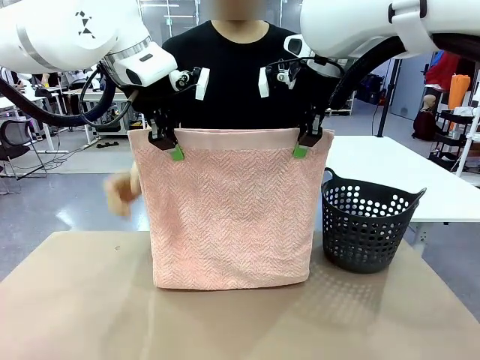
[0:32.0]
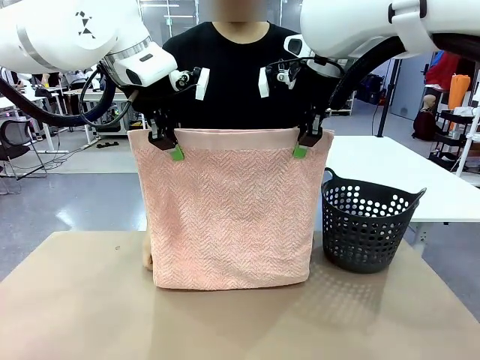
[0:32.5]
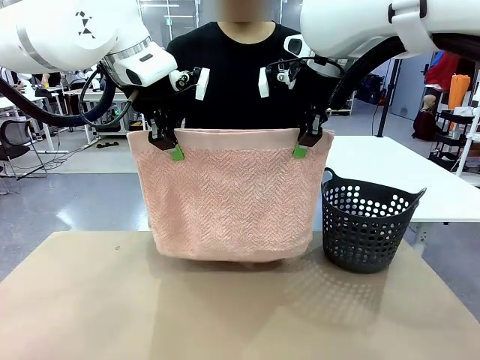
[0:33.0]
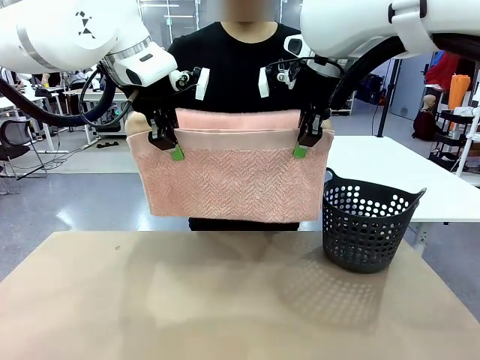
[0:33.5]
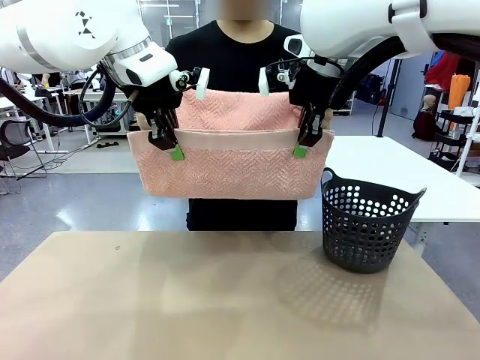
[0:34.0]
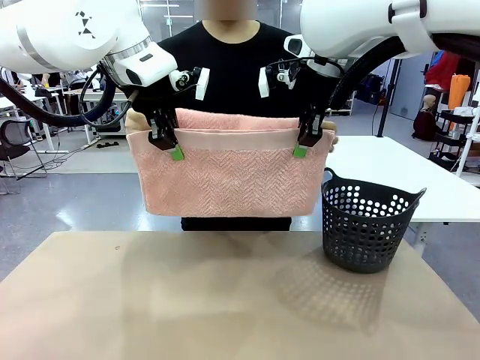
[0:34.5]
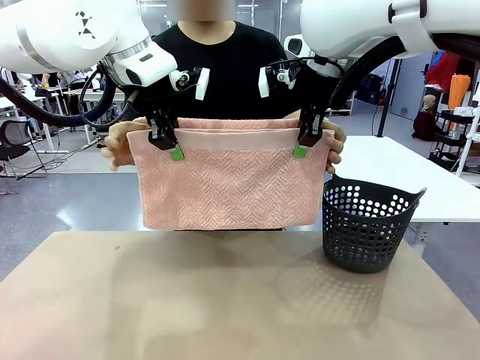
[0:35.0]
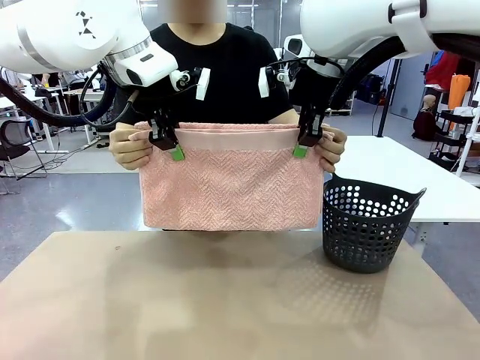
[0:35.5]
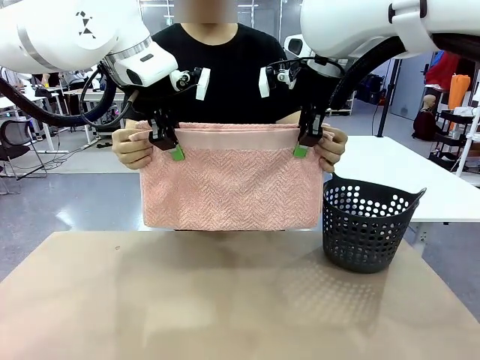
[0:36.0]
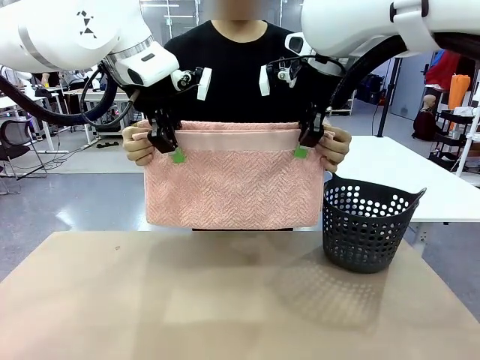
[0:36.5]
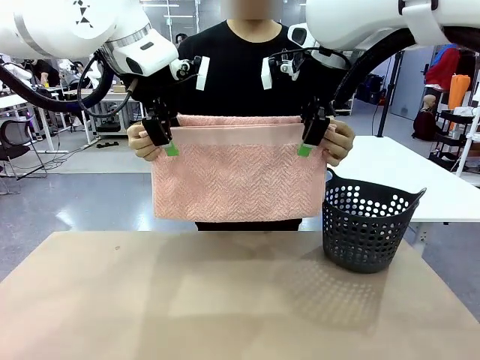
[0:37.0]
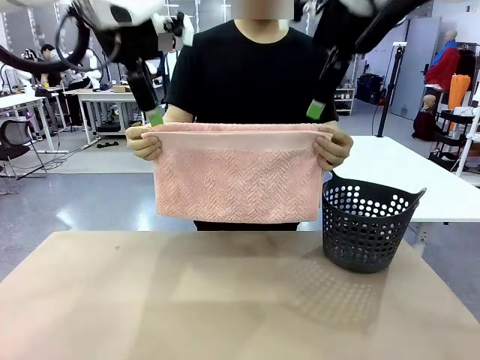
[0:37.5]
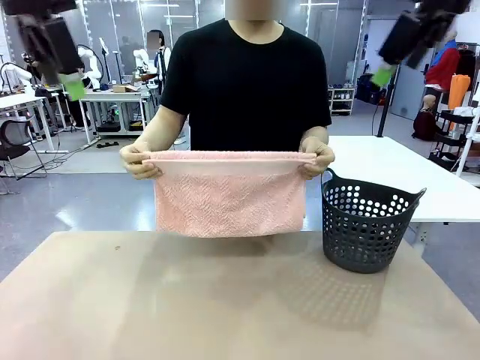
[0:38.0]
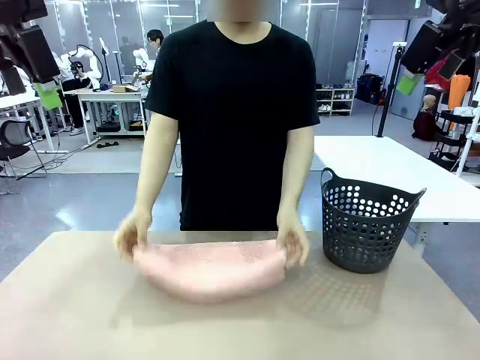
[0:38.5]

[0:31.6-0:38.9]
Task: Fold the towel.
Robot: Release the end of the 100 cm Hotel Towel you were holding.
Person: Place the towel at the center of the robot table and fold it in half.

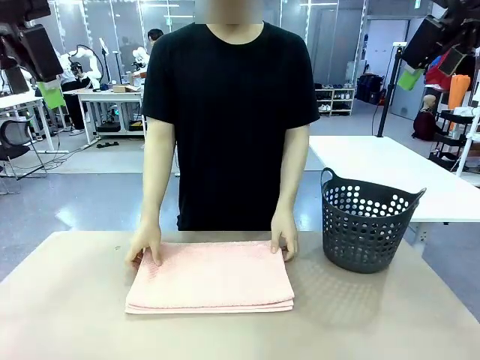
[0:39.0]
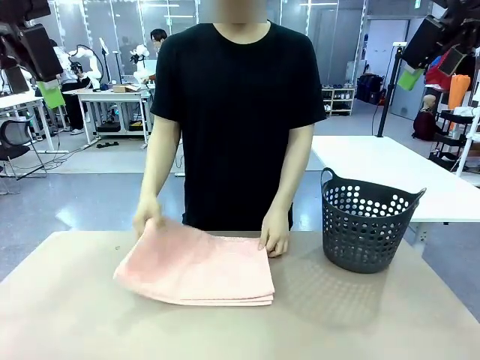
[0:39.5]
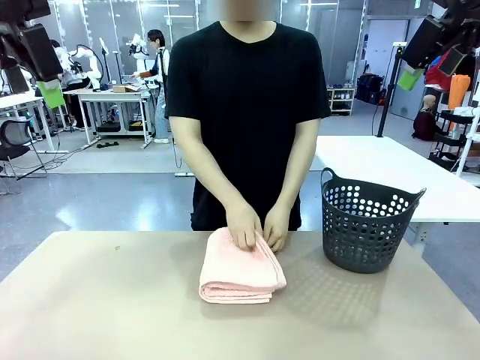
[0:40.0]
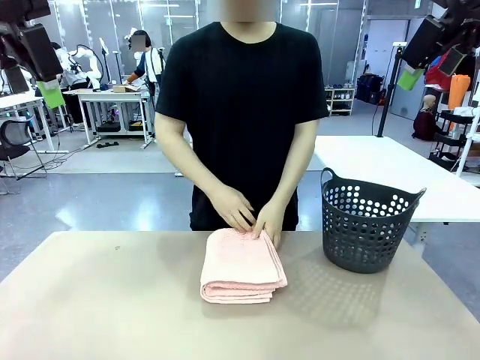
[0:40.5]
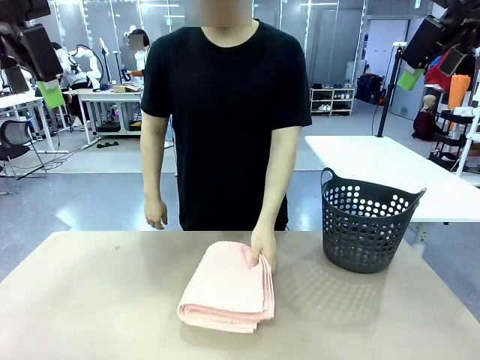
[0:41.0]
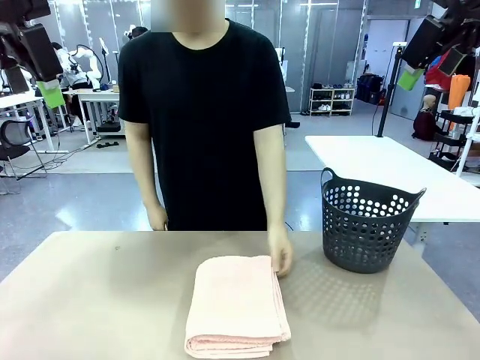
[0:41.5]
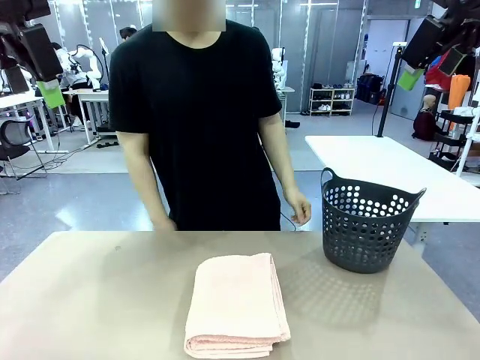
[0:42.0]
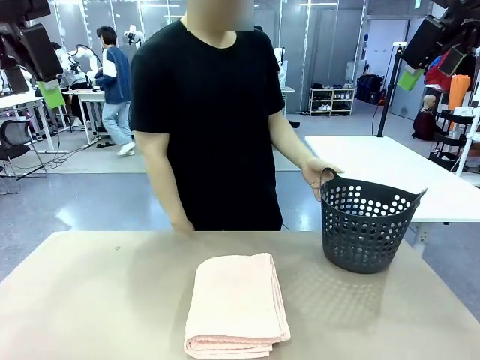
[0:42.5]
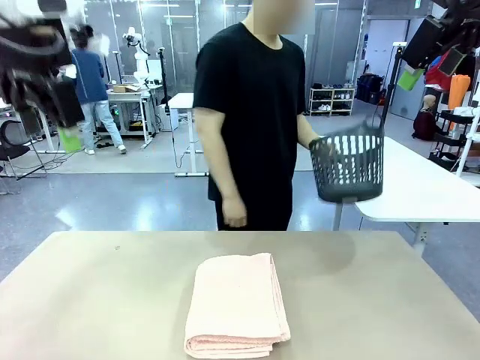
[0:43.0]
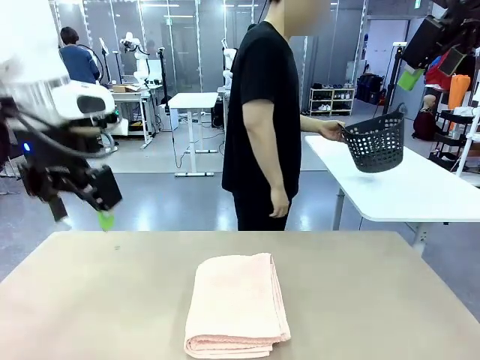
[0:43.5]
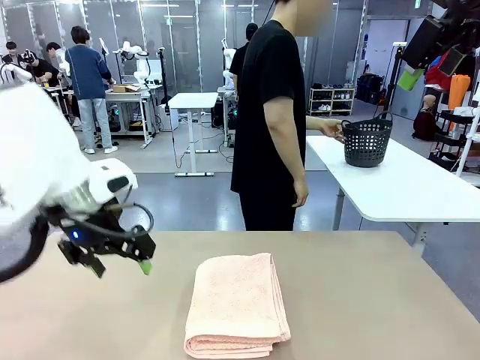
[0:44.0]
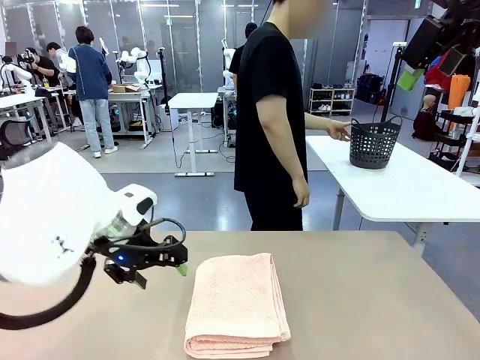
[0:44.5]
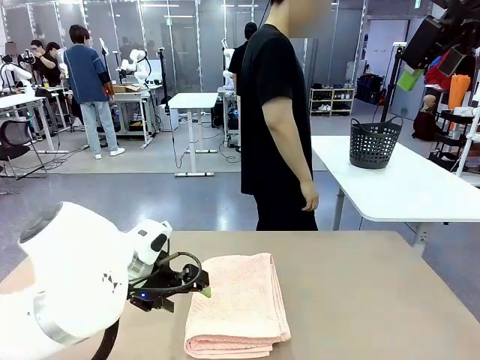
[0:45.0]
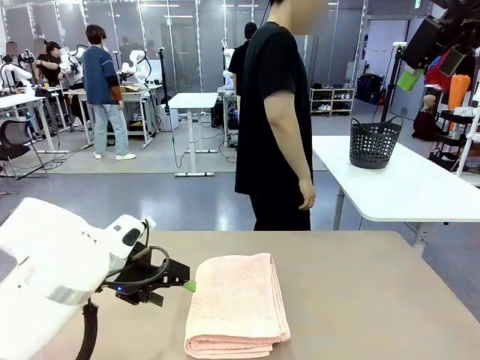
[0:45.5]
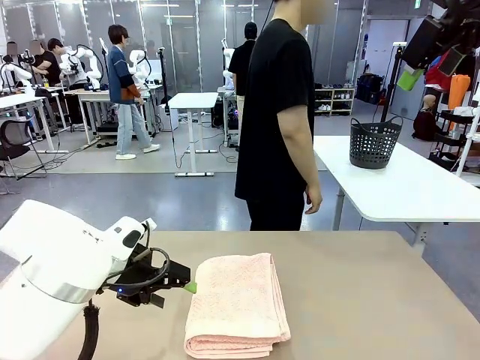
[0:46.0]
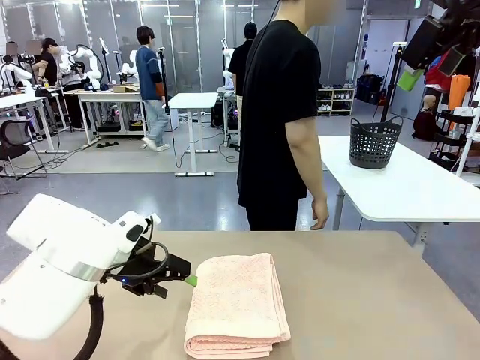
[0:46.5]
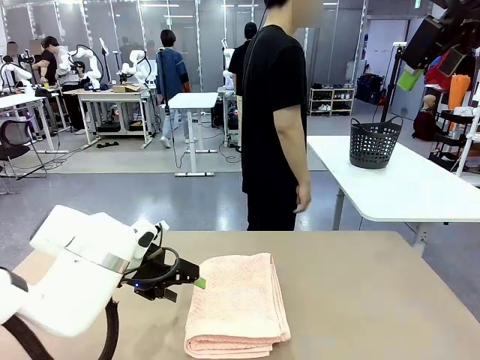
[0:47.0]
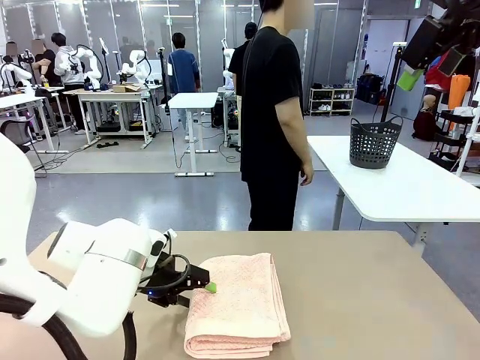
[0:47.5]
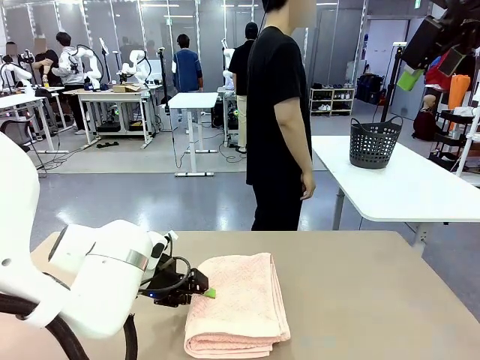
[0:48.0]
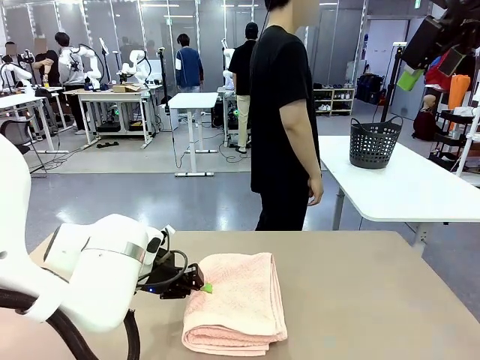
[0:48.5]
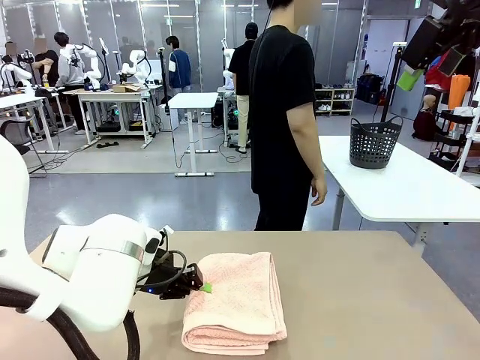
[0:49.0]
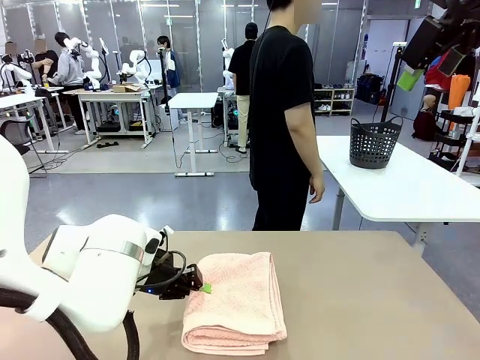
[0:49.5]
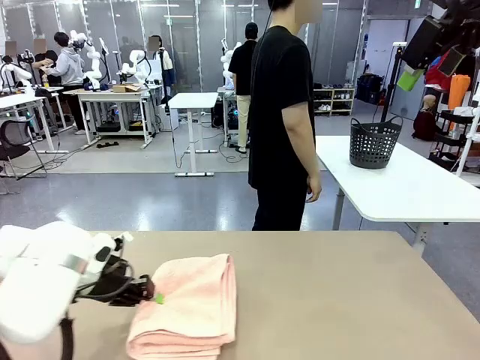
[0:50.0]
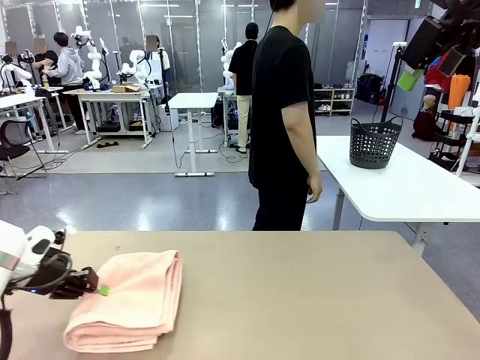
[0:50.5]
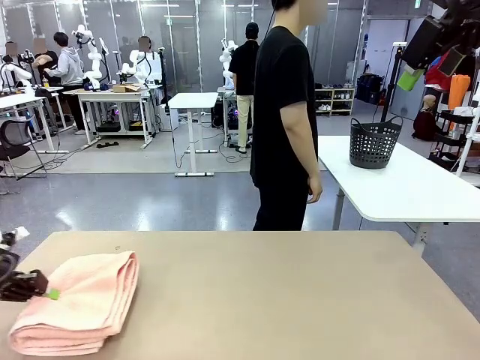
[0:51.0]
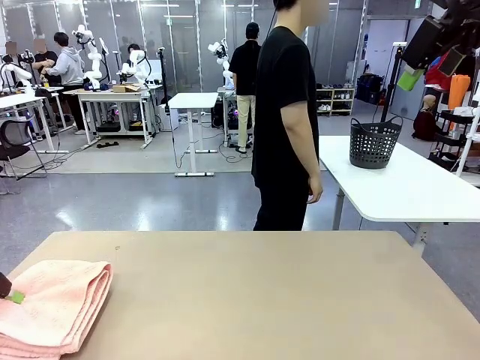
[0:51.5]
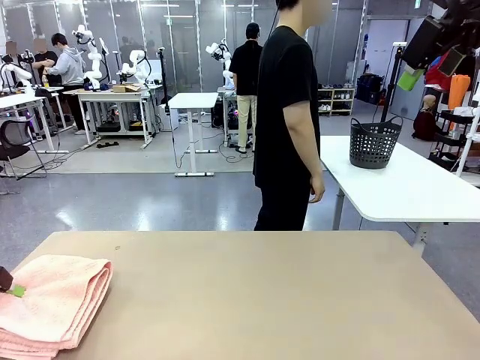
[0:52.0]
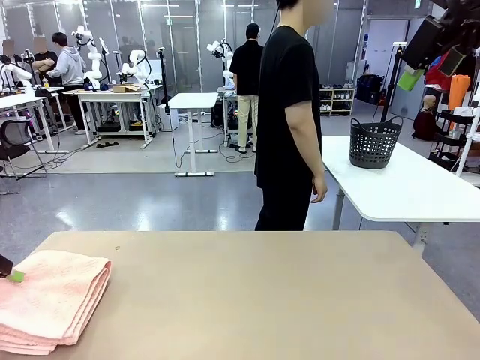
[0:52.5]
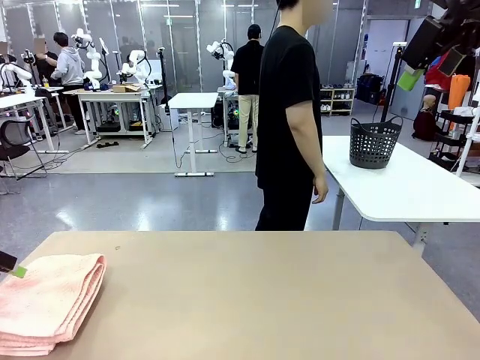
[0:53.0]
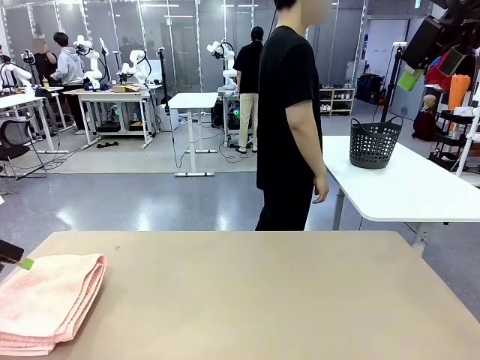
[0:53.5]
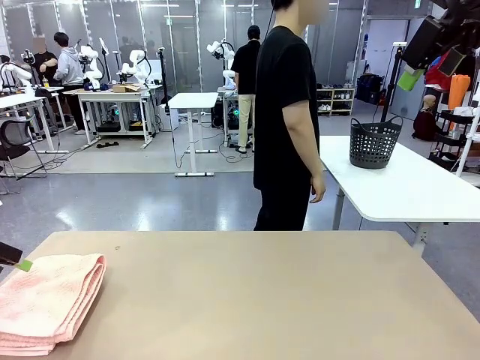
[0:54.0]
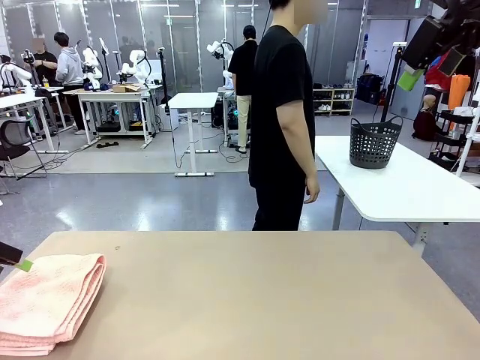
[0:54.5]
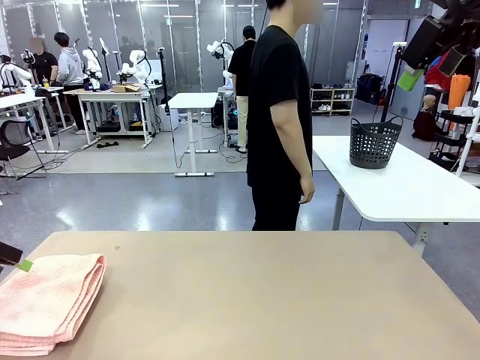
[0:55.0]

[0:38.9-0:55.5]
Robot: Pick up the 100 cm Hotel Towel and place it on the left side of the table.
Person: Pick up the laundry basket and place it at the center of the human table.
